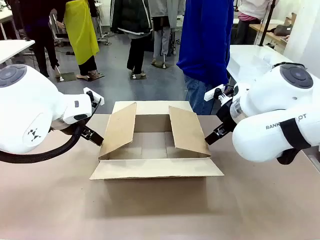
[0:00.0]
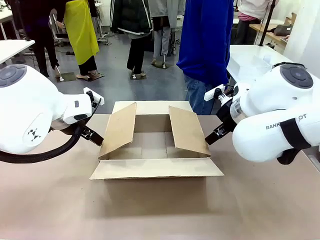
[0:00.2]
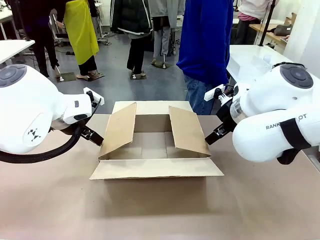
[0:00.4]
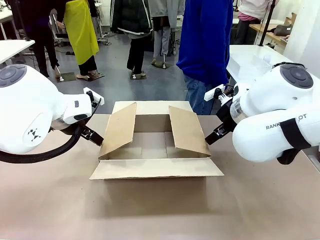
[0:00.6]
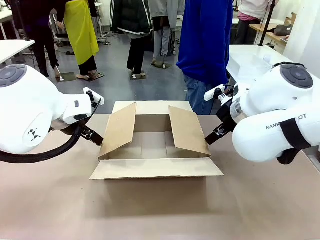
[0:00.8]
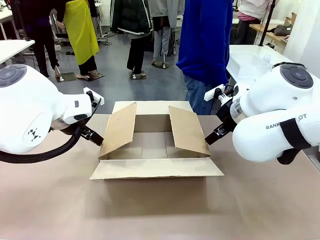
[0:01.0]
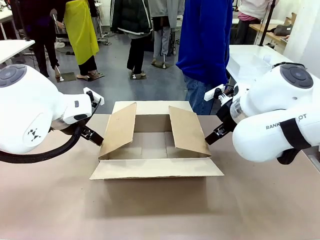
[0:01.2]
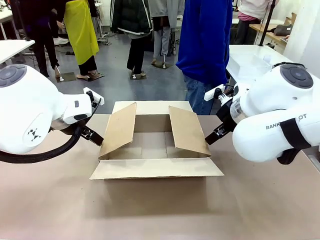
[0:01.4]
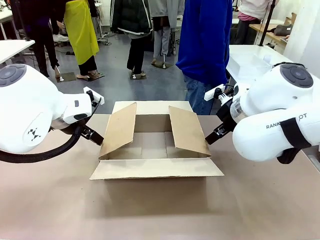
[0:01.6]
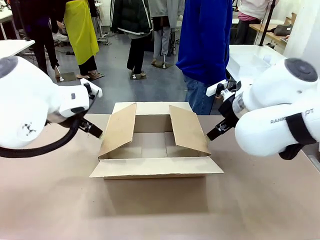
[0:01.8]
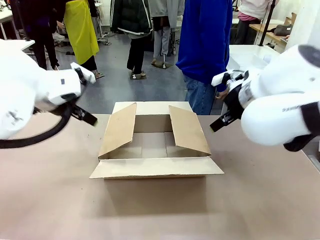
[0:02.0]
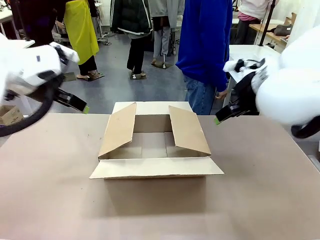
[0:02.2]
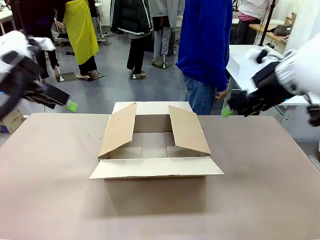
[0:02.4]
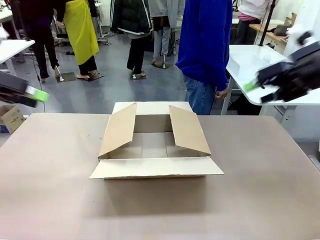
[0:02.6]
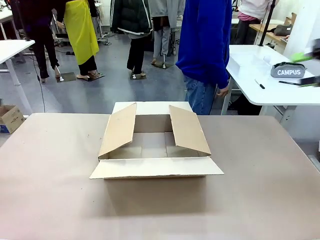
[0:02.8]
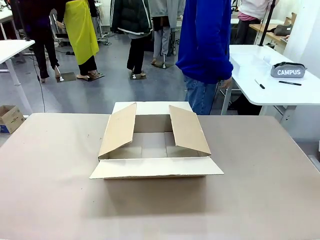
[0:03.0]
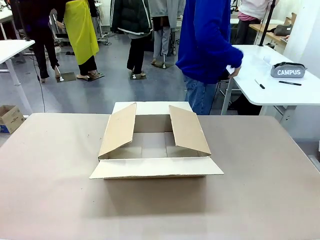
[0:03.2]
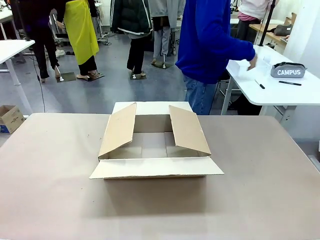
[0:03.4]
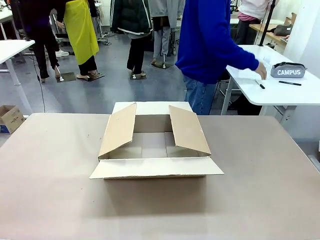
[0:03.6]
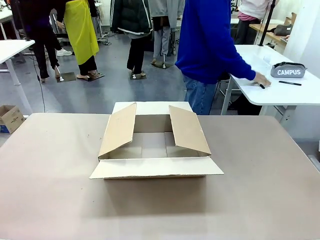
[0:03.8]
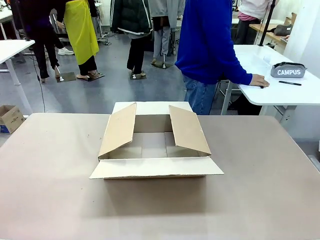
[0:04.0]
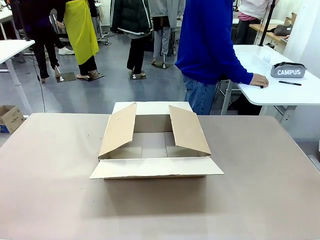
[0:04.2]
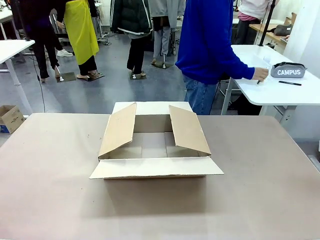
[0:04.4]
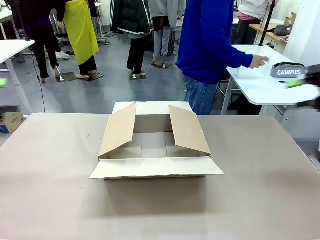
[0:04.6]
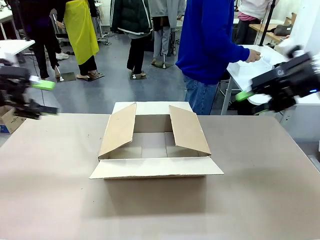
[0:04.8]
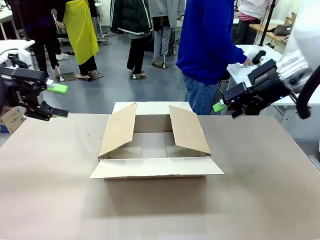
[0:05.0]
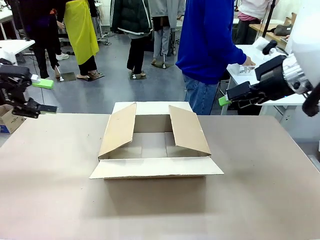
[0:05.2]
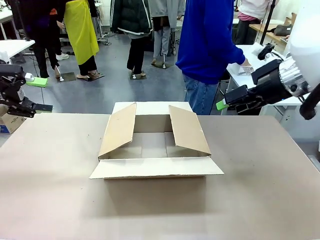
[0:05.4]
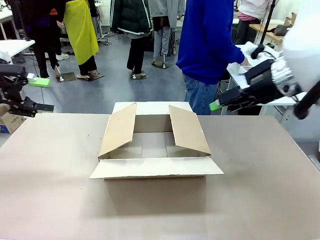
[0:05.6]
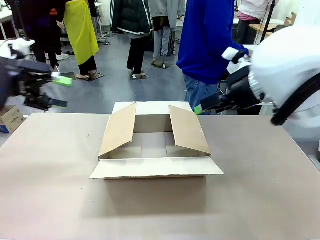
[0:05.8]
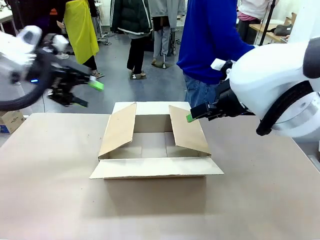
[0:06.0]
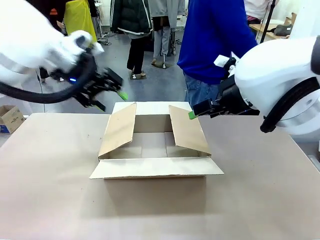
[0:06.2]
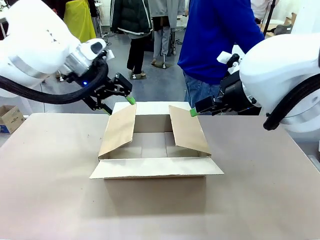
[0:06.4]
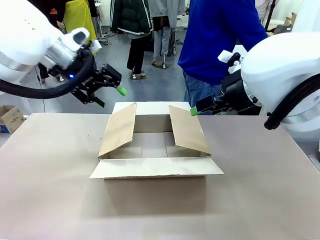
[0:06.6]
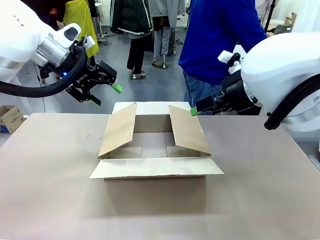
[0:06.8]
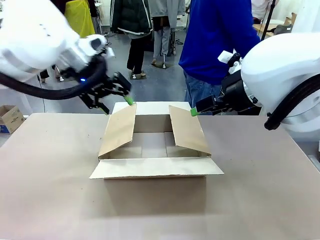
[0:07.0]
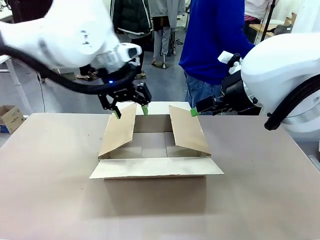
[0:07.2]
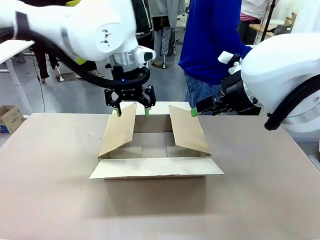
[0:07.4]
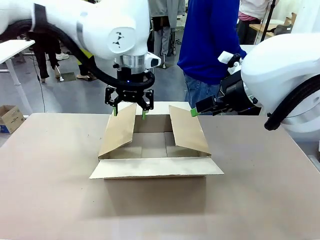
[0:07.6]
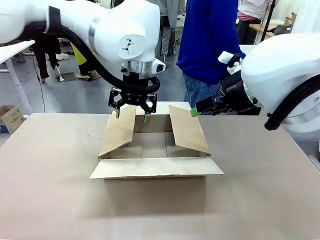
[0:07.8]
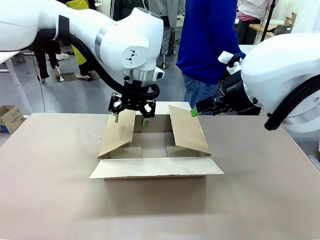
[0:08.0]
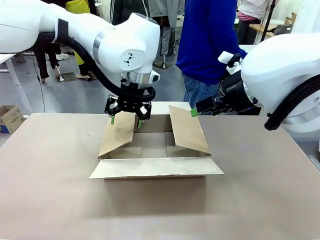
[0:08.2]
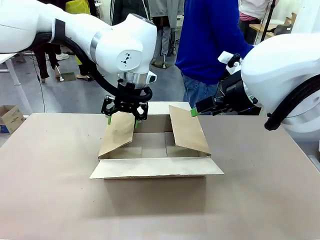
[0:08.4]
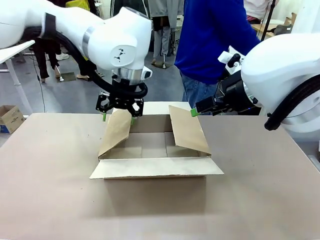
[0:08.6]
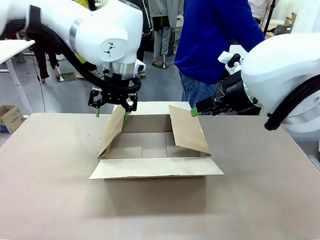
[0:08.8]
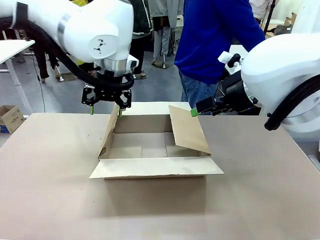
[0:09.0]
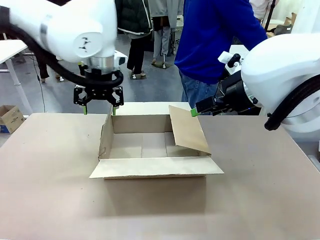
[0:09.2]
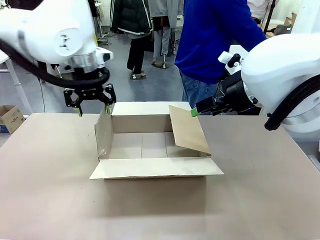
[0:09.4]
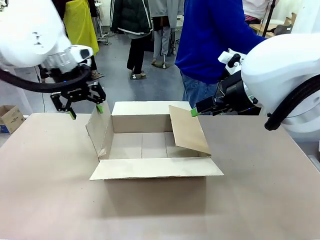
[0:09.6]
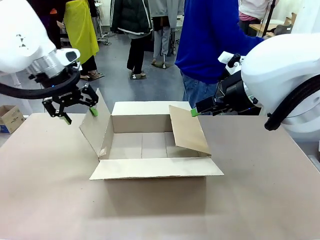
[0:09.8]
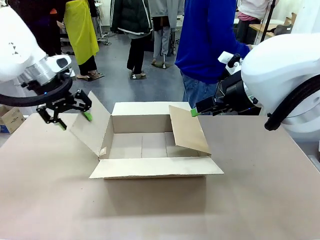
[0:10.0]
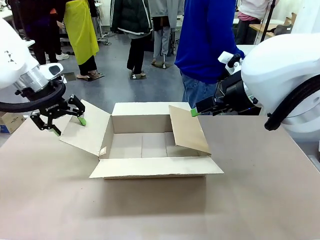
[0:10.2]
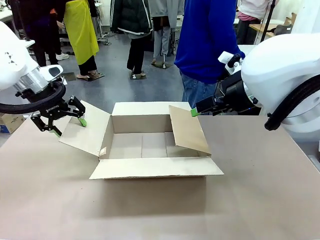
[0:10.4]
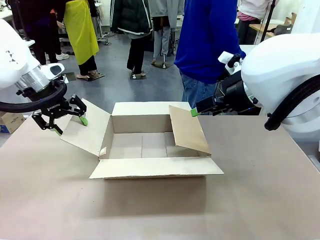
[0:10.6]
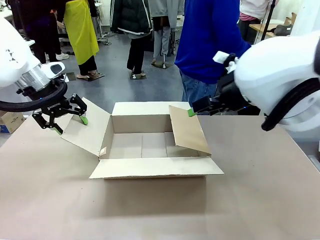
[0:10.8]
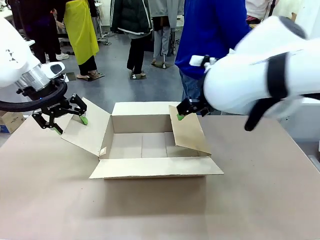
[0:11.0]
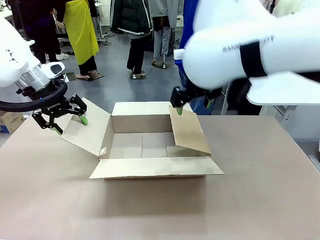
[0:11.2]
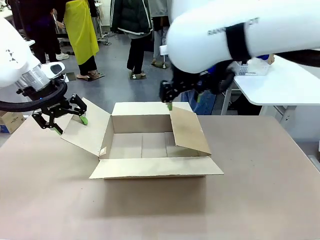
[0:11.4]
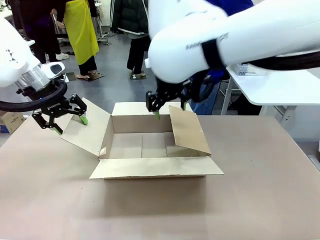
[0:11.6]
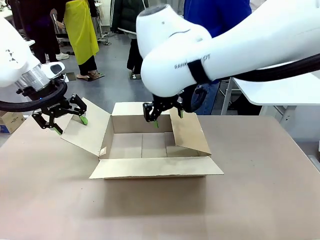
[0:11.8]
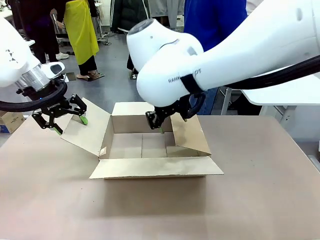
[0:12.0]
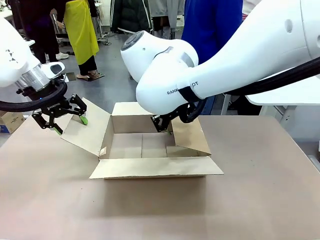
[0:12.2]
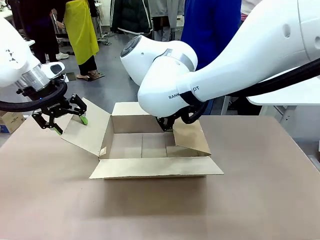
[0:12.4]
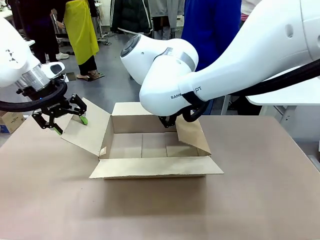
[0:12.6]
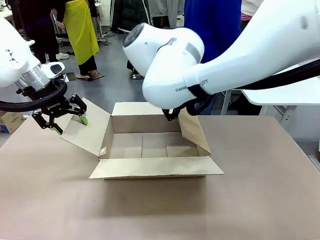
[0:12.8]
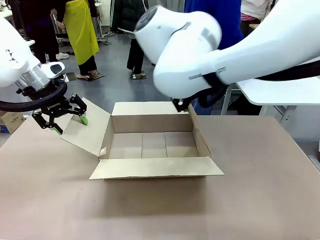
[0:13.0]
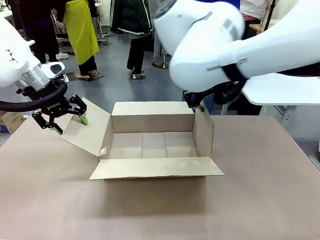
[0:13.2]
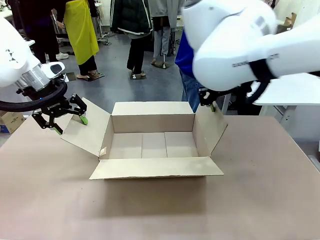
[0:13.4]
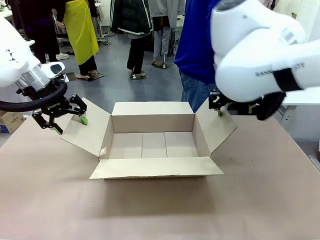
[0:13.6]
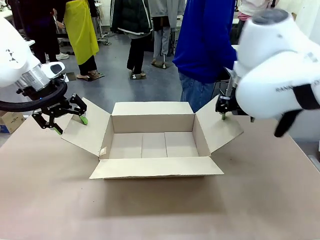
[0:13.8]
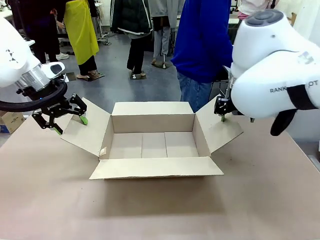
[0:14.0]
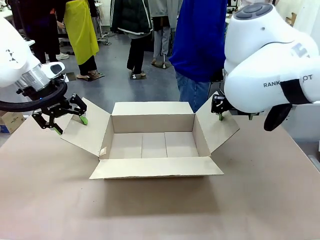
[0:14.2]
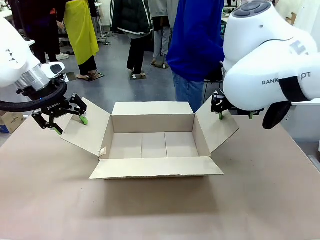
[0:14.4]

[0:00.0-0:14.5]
Task: Pack the gift set into the box.
Robot: Place both hands on the side flaps of the Package Box and spread them outward.
Person: The human places all items except the paper tape into the organizing basket.

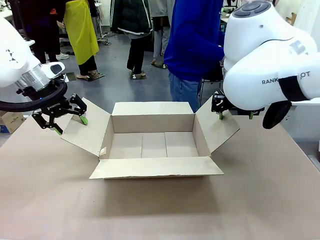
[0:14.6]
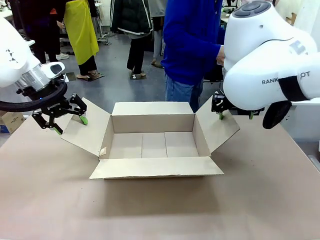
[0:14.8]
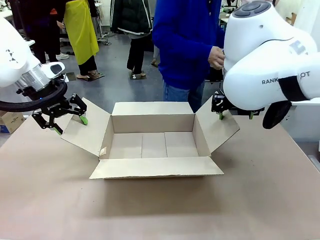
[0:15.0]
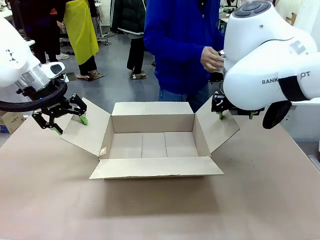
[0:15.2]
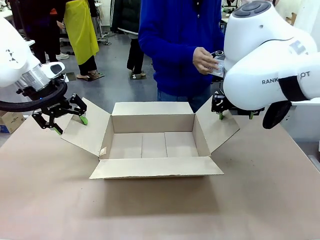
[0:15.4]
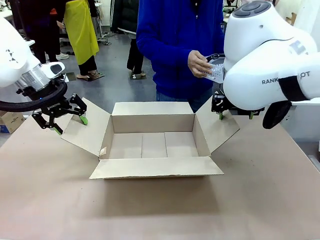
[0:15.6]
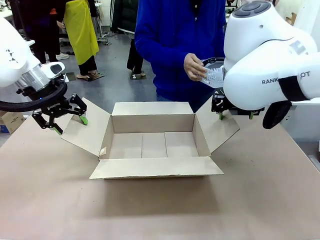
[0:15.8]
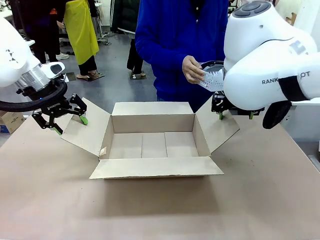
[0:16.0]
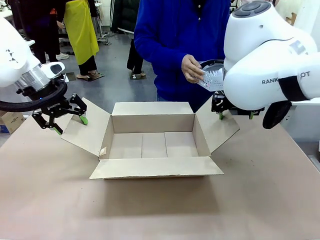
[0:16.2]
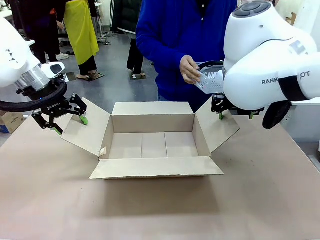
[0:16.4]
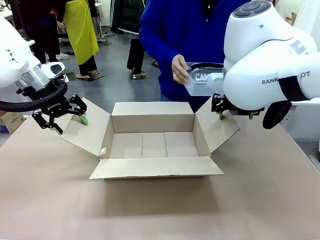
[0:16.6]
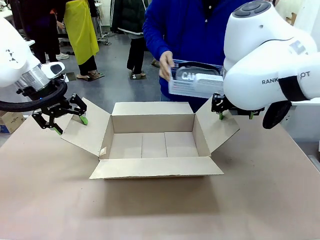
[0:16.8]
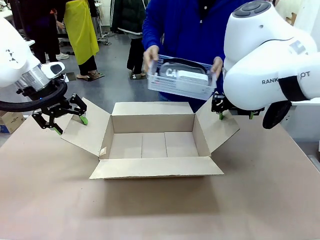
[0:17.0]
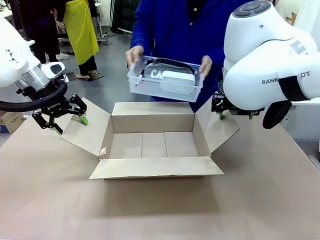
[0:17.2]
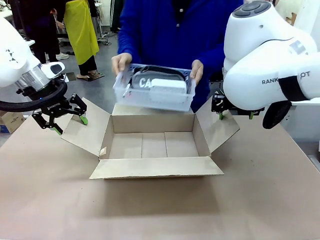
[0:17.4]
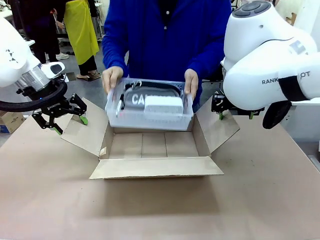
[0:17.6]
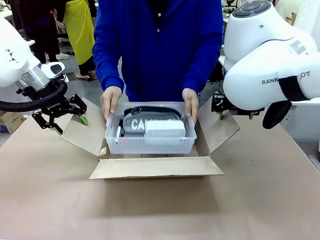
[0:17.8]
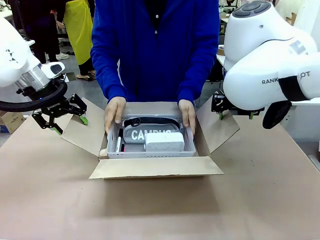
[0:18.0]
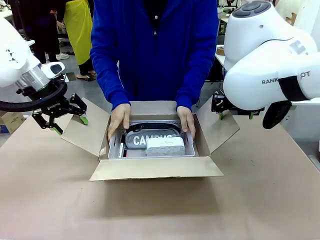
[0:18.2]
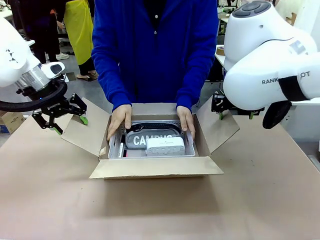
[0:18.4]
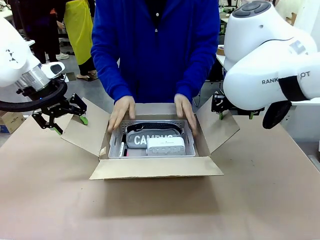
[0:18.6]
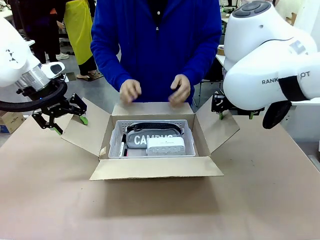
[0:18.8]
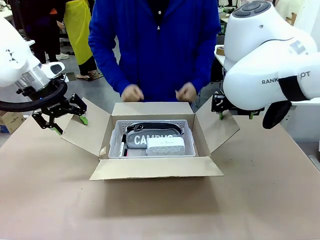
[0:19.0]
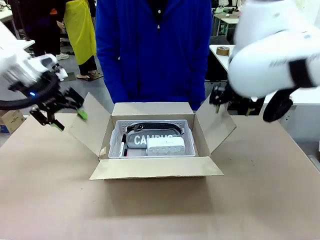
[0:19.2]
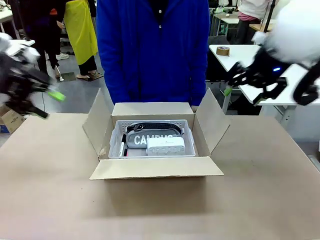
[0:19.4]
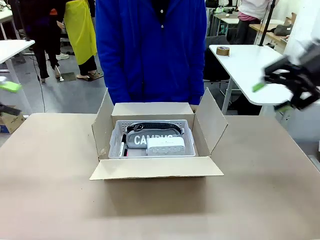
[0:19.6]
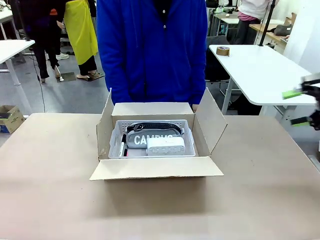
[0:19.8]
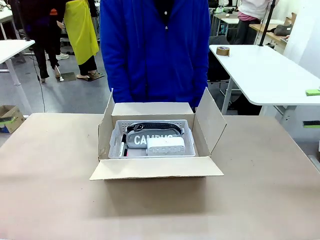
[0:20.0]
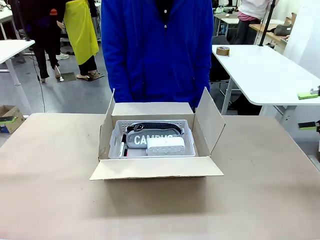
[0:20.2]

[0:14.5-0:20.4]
Robot: Lift both hands away from the flaps of the Package Box.
Person: The human picks up the organizing basket and places the organizing basket into the package box on the robot table.
